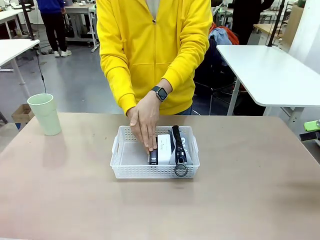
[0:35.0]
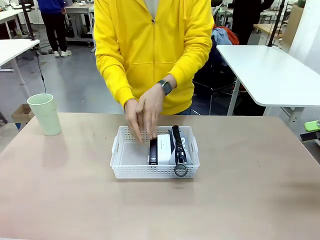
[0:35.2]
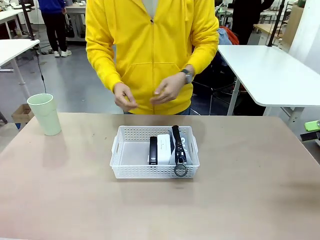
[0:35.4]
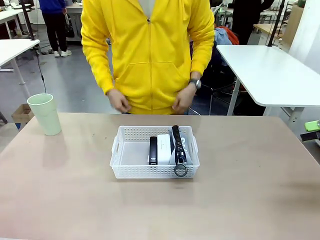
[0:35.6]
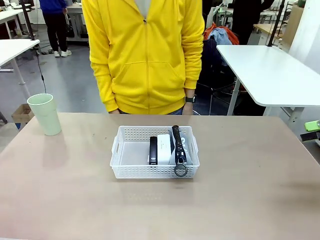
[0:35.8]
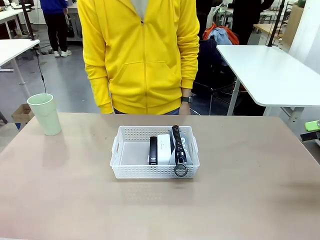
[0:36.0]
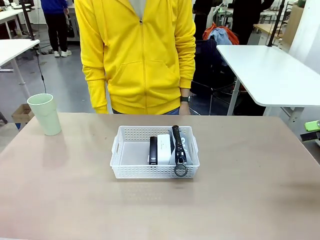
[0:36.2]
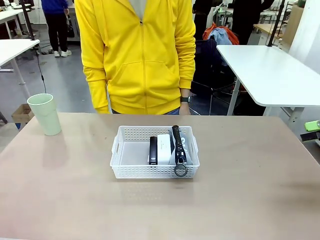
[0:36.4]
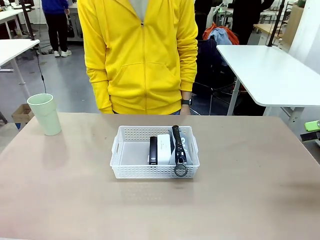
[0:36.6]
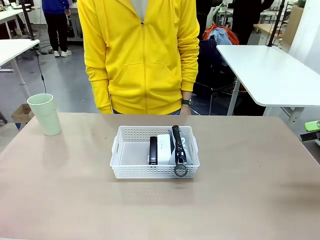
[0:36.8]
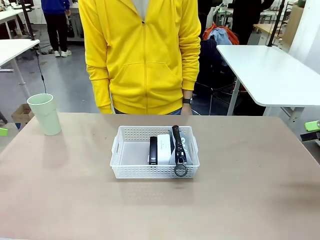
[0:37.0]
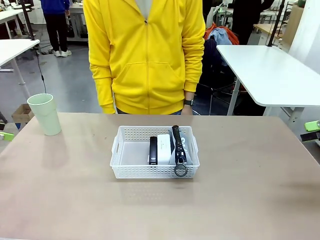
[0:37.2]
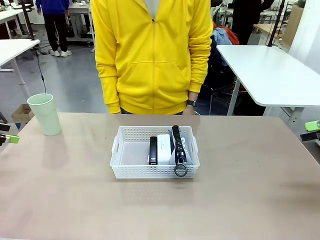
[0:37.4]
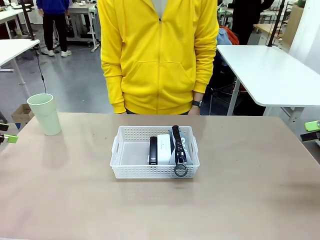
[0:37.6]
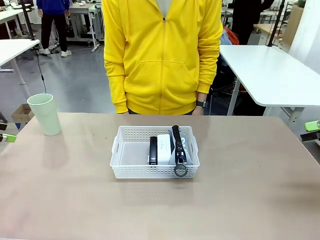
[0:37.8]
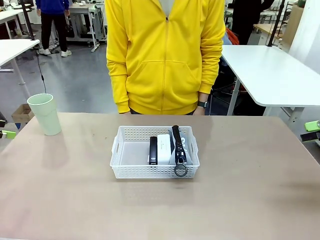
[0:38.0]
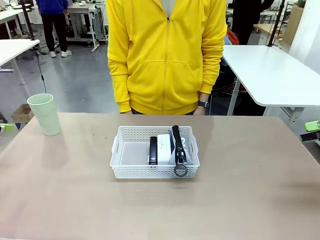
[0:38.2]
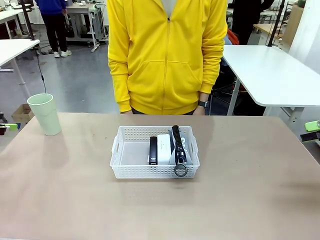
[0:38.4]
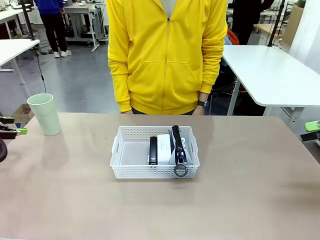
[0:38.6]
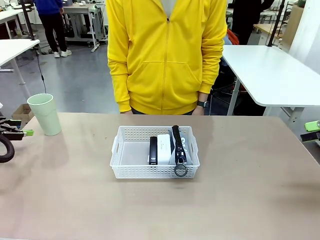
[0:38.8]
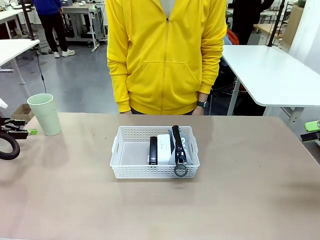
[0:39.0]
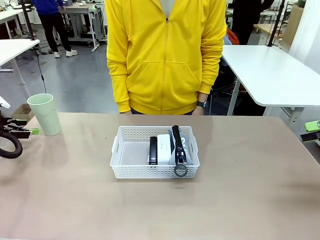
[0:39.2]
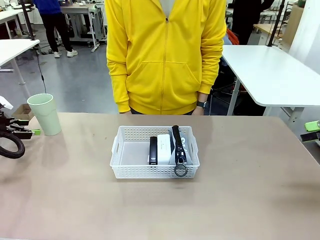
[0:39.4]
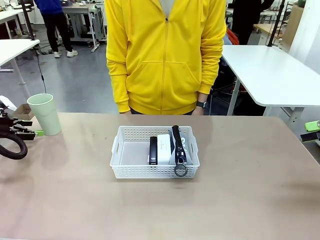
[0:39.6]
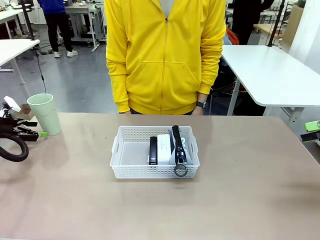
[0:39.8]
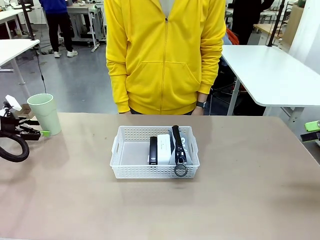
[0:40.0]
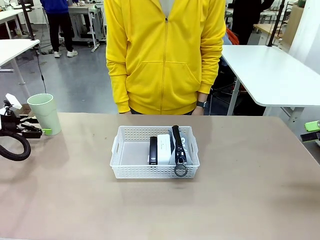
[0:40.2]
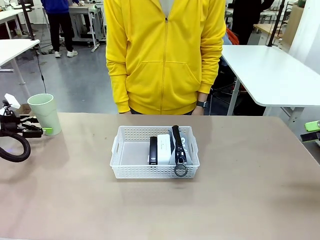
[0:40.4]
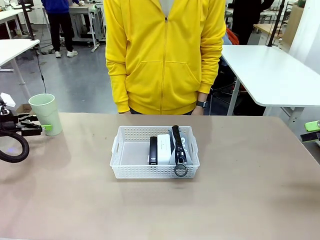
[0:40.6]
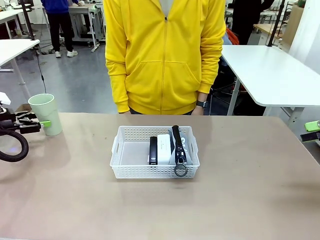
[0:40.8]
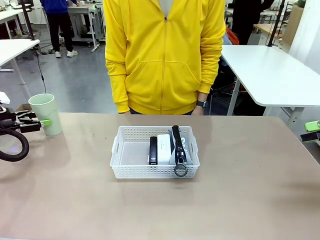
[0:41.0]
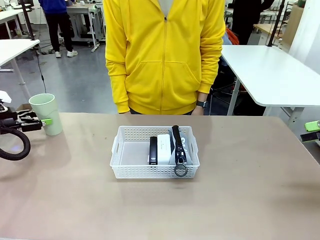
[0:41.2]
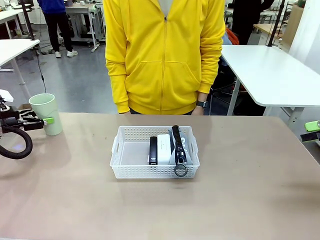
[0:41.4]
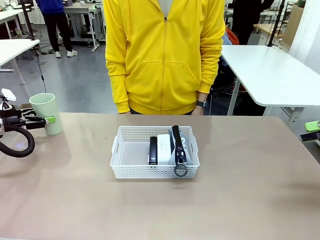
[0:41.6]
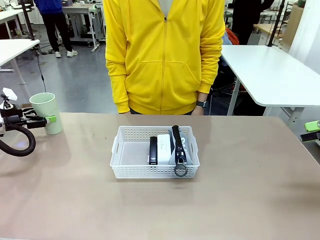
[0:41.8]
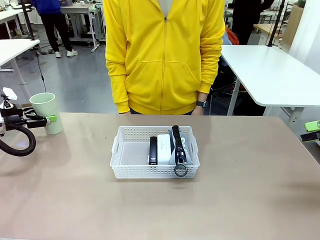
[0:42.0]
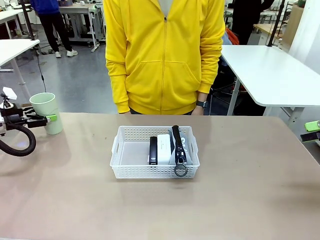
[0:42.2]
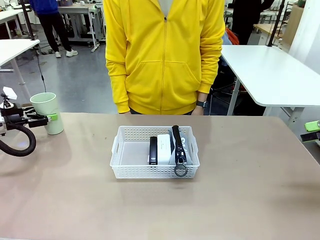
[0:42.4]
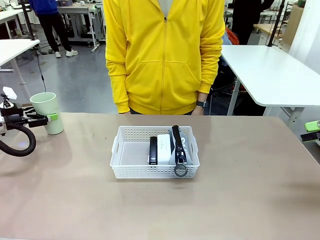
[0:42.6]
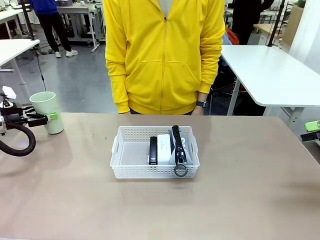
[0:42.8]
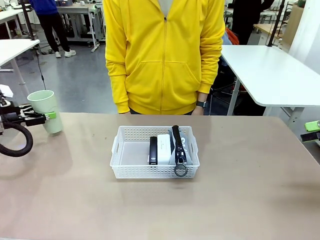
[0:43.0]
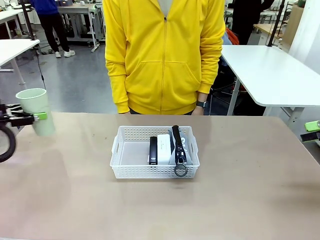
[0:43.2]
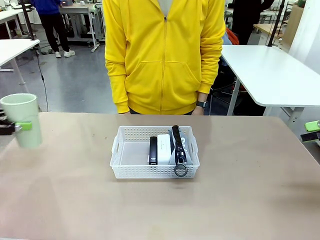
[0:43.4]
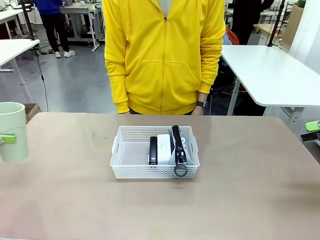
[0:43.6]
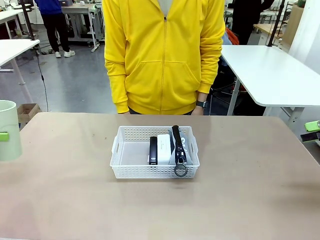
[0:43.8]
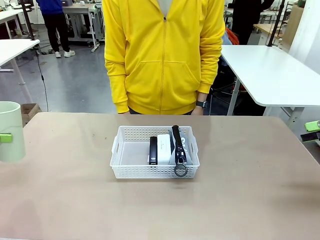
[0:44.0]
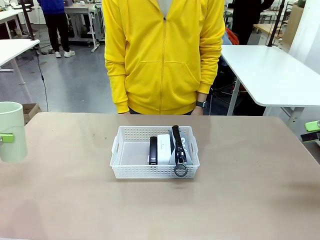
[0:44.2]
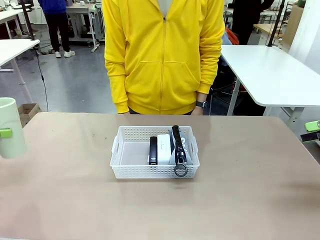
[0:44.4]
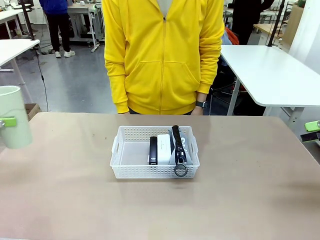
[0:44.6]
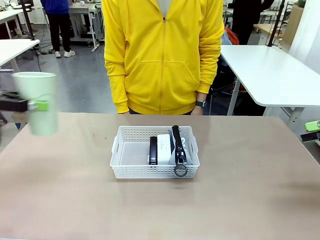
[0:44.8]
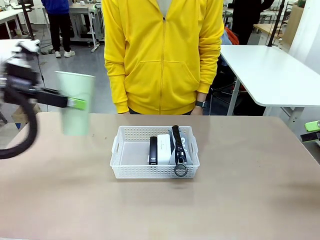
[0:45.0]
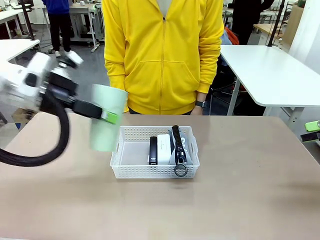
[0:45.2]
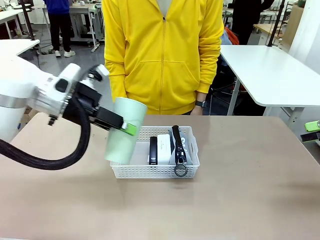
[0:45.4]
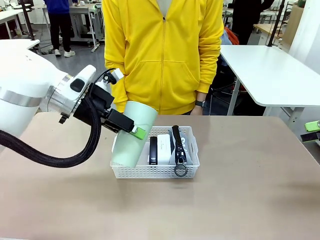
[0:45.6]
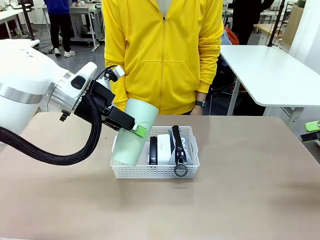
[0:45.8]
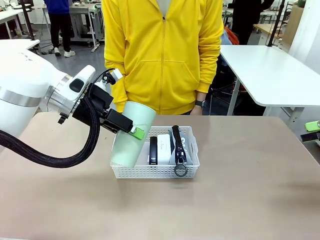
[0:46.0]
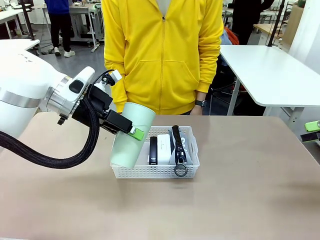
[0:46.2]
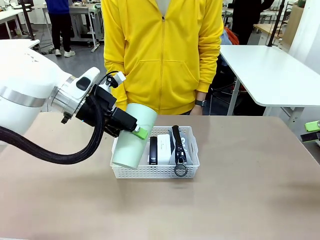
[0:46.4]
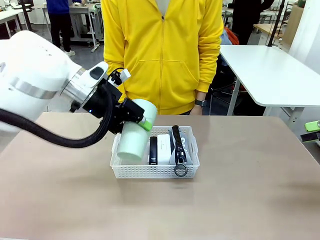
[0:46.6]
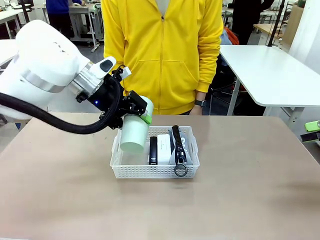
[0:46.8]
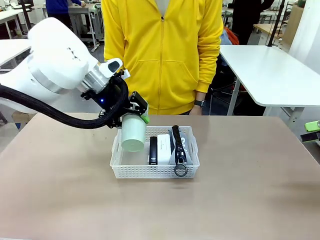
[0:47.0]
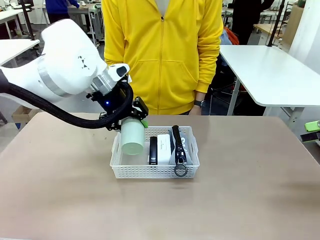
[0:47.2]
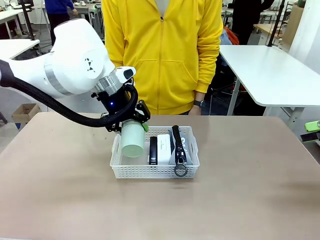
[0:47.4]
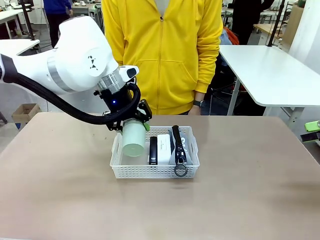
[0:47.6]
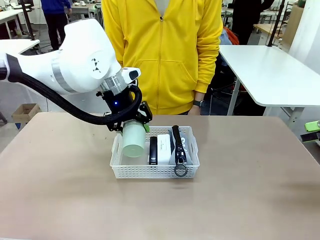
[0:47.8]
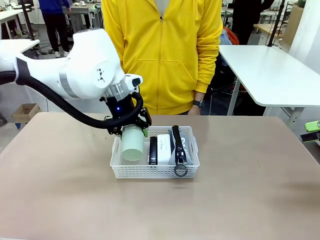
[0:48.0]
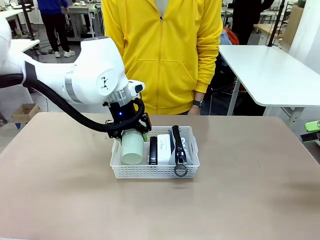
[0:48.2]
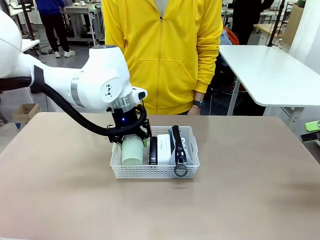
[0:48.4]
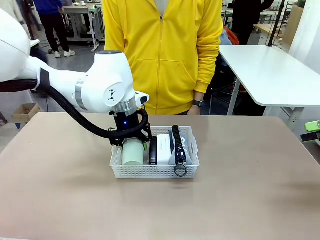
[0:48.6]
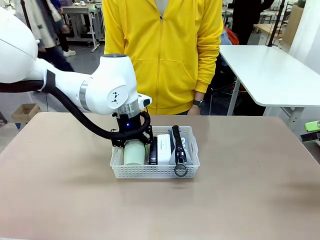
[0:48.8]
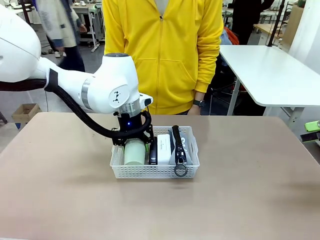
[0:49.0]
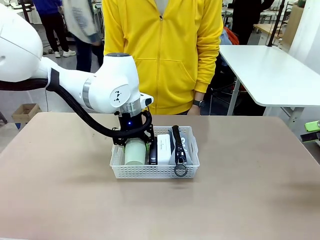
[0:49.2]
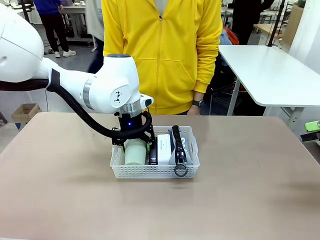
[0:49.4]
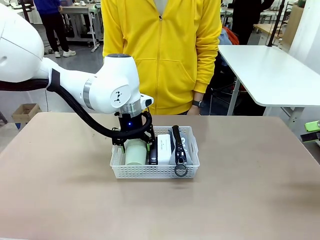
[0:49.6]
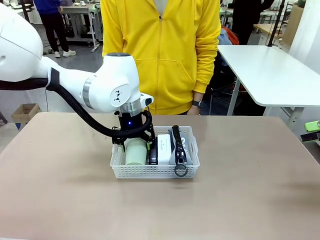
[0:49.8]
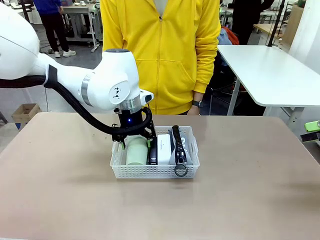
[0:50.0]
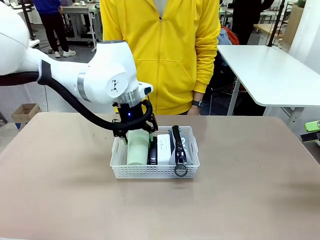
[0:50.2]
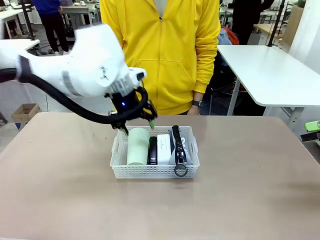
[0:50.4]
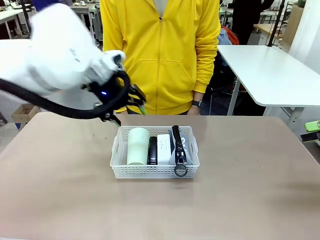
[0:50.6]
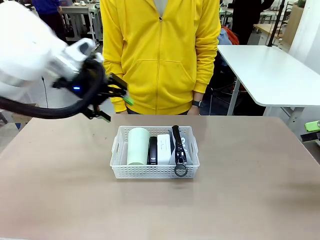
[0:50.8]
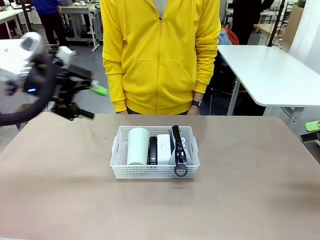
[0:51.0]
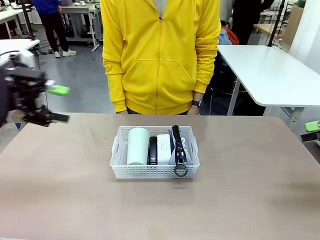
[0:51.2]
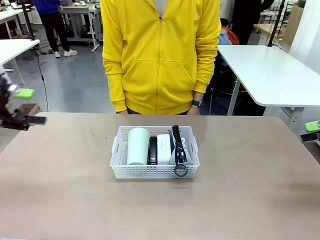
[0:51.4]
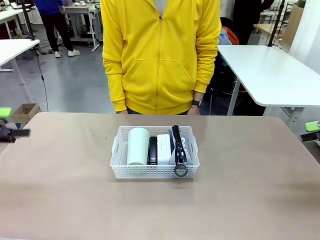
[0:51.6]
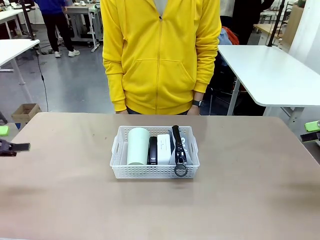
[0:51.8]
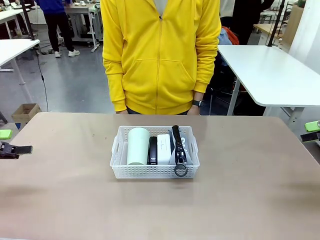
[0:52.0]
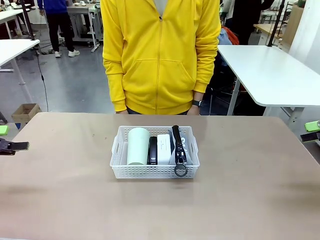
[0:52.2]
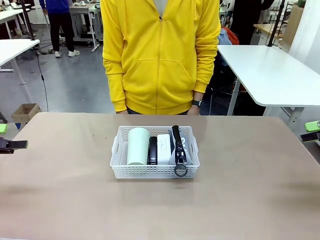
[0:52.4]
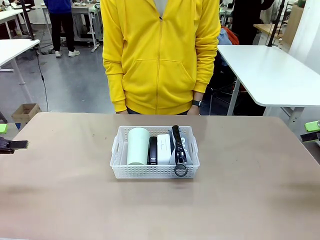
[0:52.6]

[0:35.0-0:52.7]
Task: Efficiently arrange items inside the basket to fit them all.
Robot: Pick up the Reusable plastic cup and place it inside the Organizing basket.
Person: Repositions the stapler.
